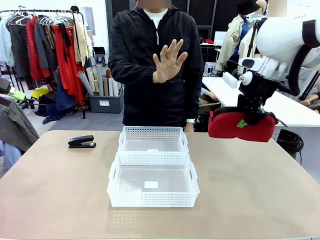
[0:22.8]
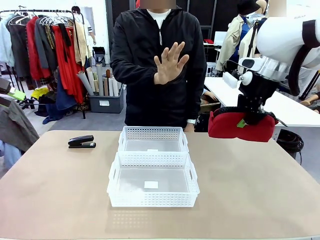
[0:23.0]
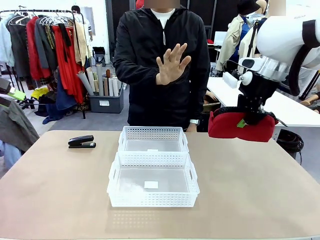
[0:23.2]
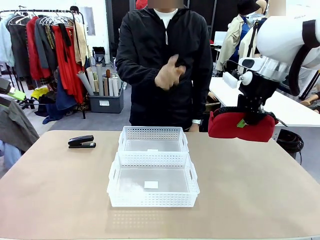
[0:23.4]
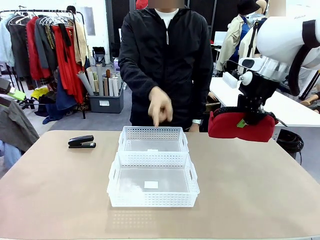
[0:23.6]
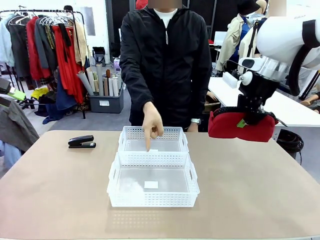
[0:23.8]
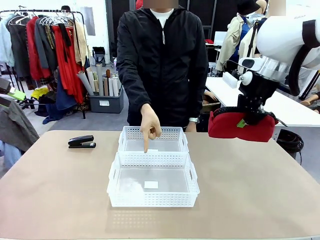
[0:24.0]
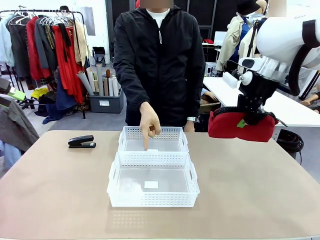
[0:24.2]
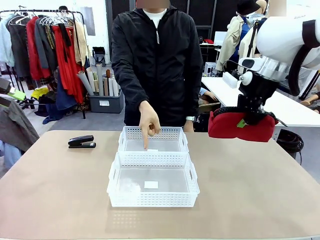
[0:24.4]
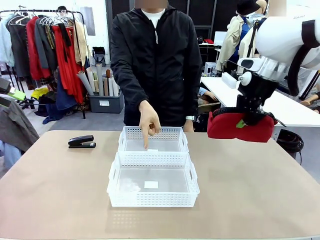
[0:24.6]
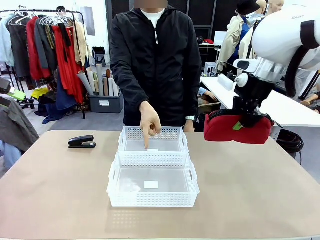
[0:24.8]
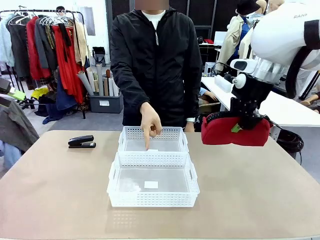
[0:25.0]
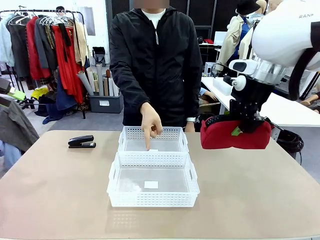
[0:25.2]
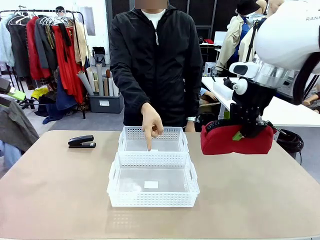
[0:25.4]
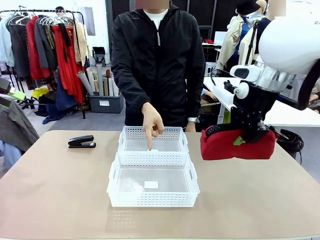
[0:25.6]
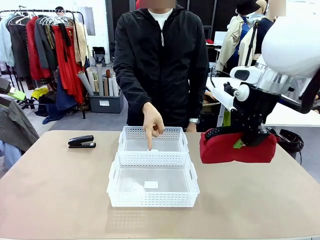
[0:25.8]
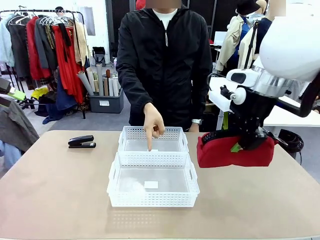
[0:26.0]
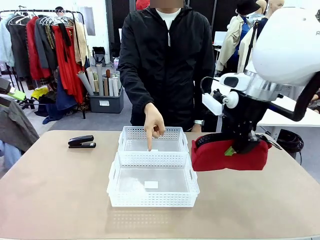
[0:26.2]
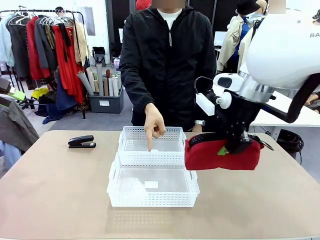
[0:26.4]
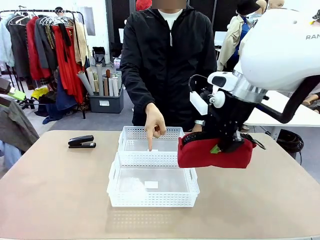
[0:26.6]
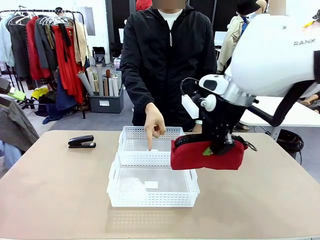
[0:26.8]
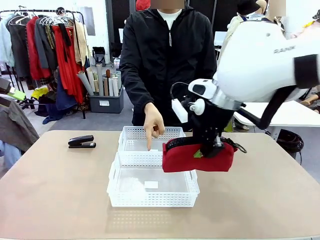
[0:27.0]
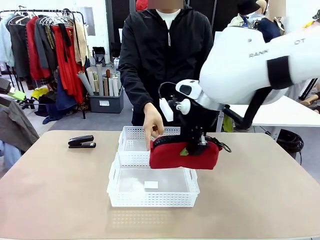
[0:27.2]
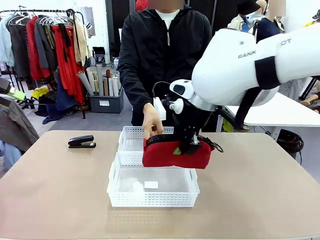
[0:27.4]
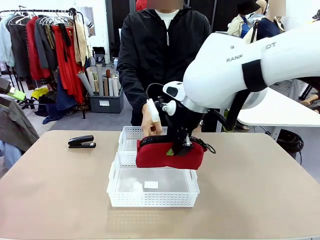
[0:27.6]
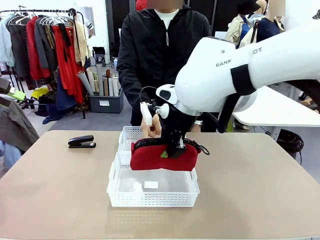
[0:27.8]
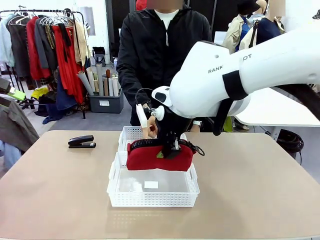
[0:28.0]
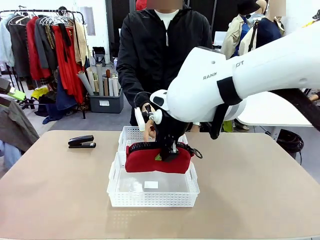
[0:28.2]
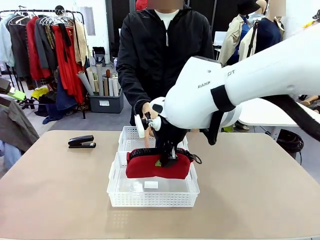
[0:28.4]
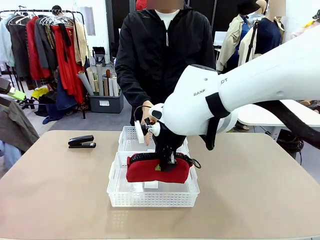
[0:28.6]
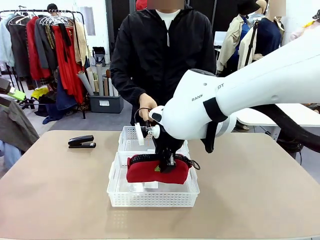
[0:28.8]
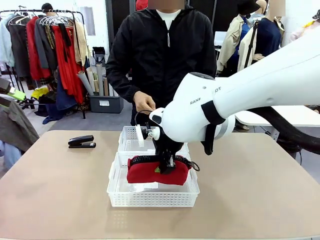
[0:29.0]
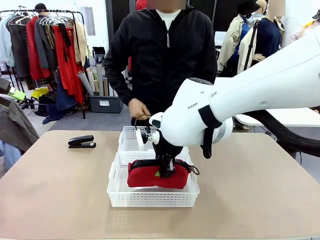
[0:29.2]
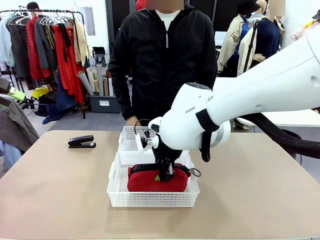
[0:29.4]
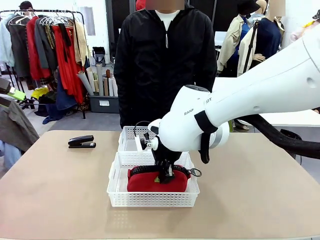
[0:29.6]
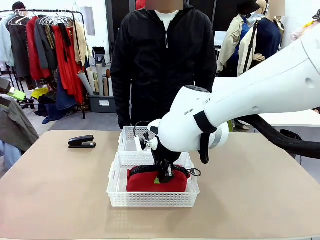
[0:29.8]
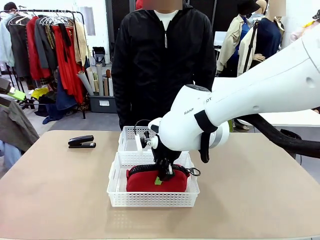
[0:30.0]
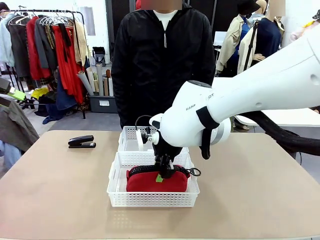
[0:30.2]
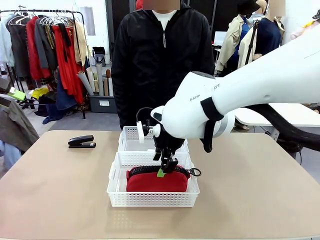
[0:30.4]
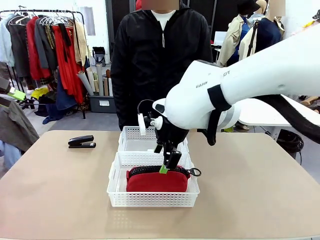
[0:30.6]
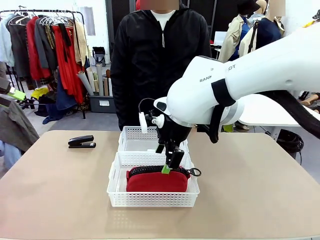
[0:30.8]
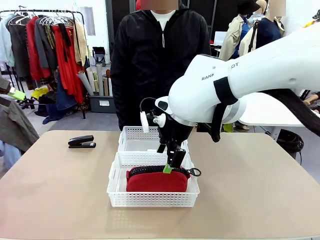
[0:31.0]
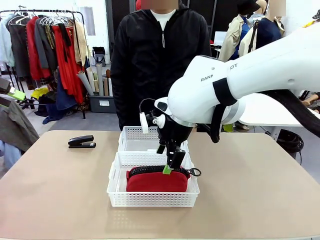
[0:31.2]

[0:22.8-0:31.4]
Task: Distribute items into two baskets.
Robot: Place the picked Pencil pouch into the Organizing basket as instructed by the person.
Person: Instructs the robot to place the pencil case into the opposite basket. Points to the stapler.

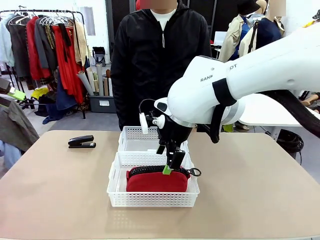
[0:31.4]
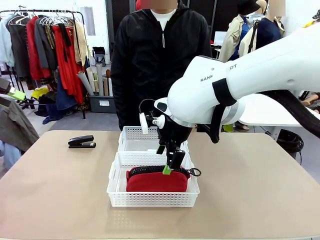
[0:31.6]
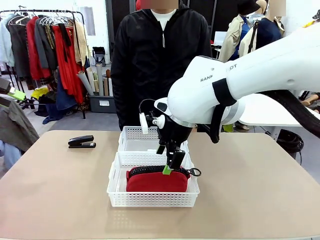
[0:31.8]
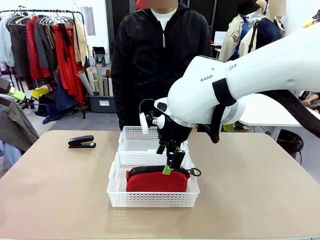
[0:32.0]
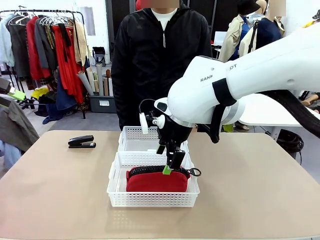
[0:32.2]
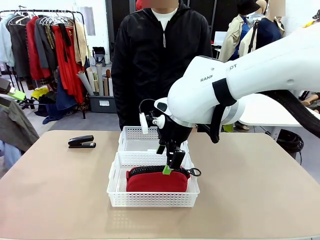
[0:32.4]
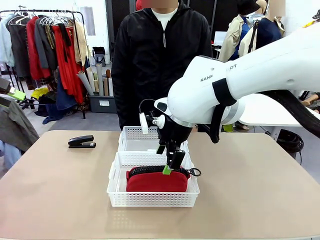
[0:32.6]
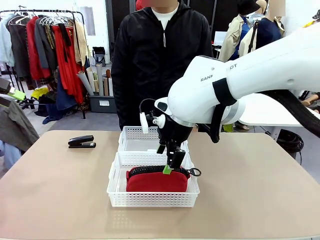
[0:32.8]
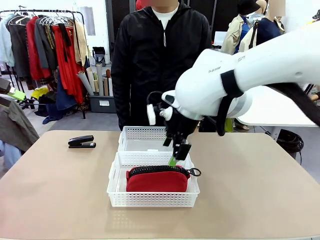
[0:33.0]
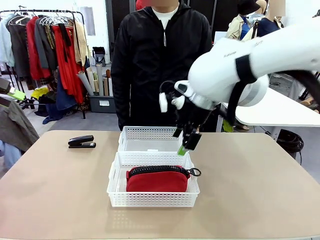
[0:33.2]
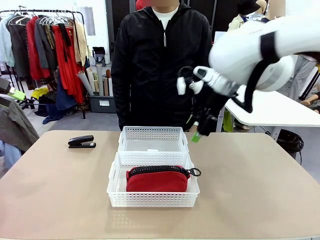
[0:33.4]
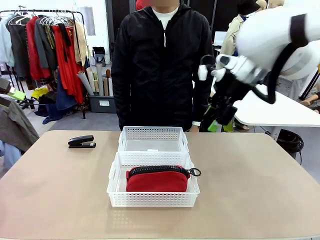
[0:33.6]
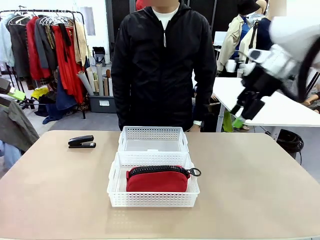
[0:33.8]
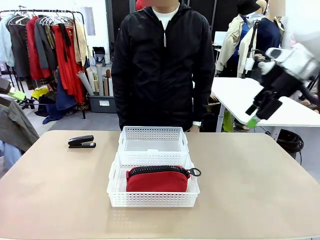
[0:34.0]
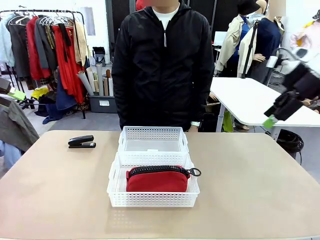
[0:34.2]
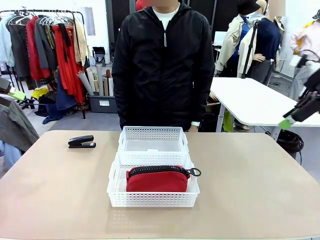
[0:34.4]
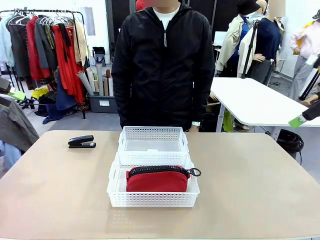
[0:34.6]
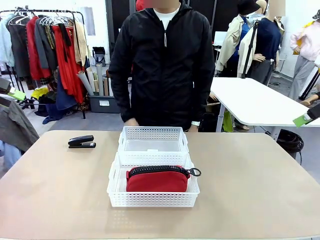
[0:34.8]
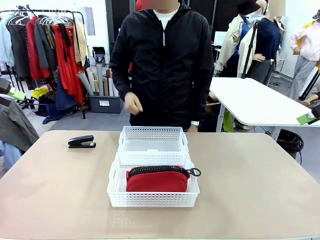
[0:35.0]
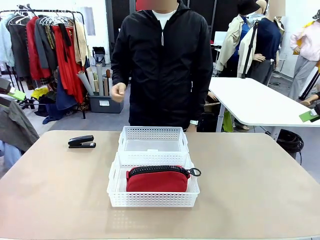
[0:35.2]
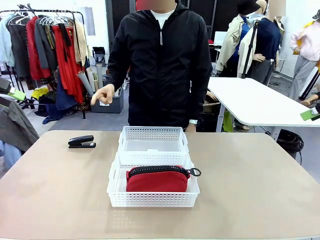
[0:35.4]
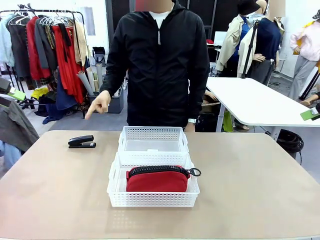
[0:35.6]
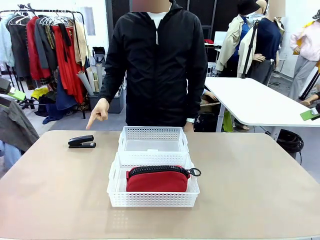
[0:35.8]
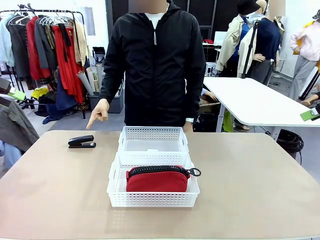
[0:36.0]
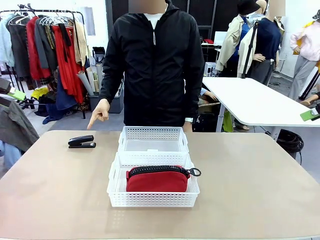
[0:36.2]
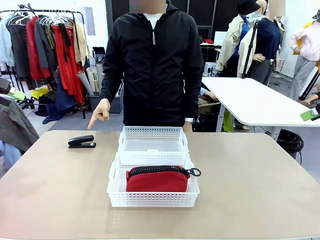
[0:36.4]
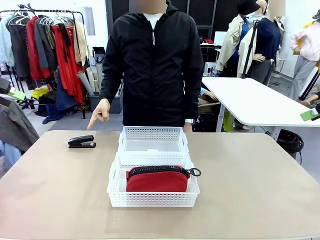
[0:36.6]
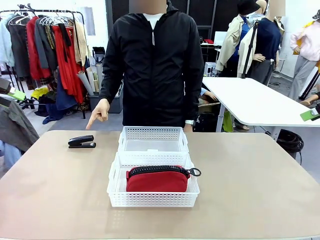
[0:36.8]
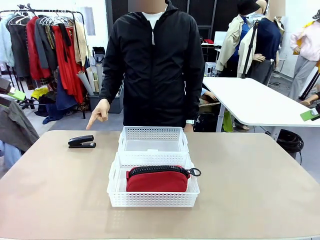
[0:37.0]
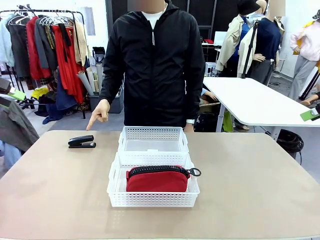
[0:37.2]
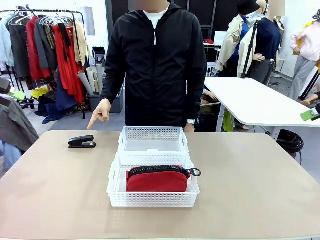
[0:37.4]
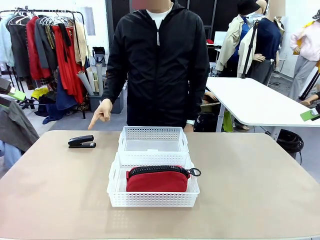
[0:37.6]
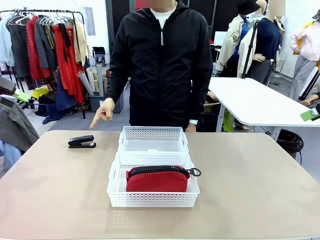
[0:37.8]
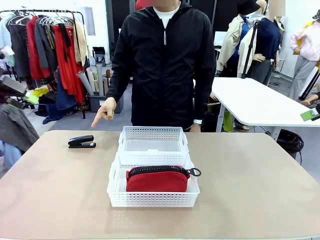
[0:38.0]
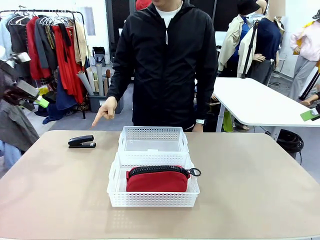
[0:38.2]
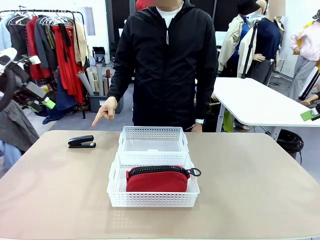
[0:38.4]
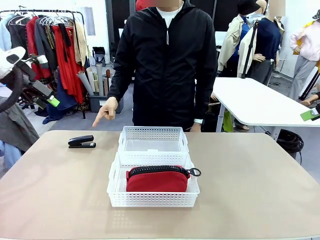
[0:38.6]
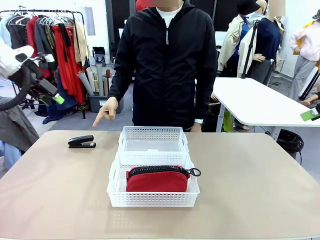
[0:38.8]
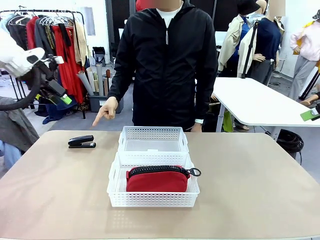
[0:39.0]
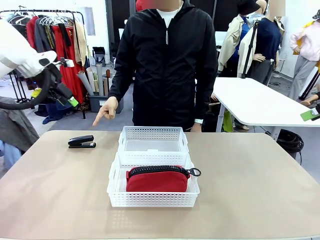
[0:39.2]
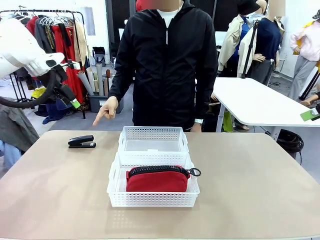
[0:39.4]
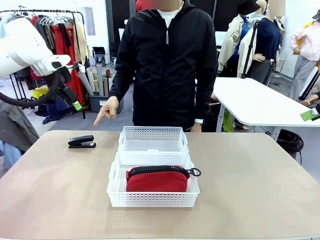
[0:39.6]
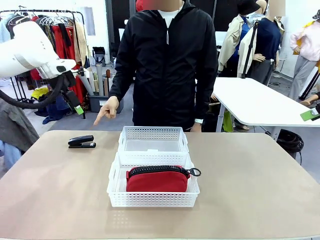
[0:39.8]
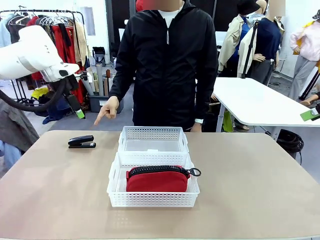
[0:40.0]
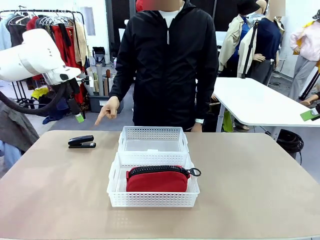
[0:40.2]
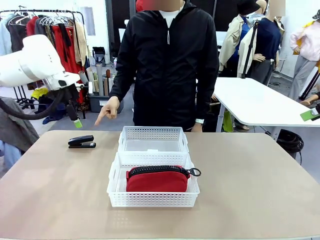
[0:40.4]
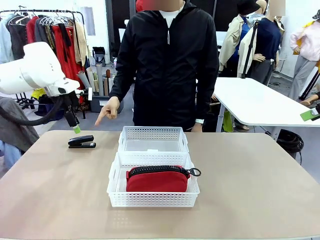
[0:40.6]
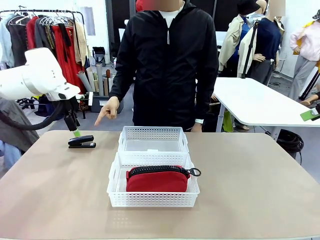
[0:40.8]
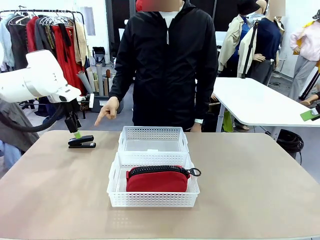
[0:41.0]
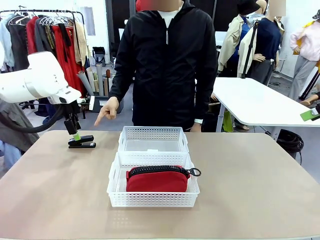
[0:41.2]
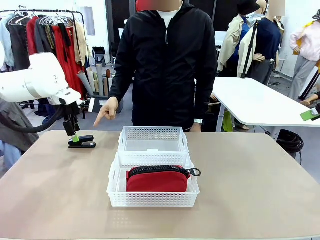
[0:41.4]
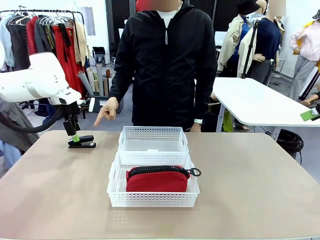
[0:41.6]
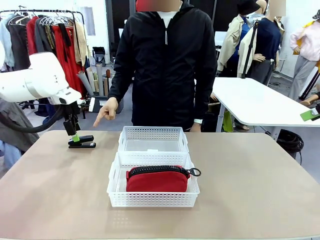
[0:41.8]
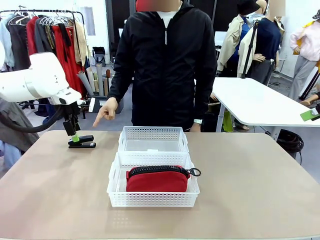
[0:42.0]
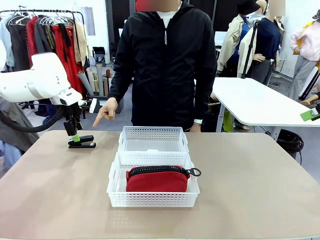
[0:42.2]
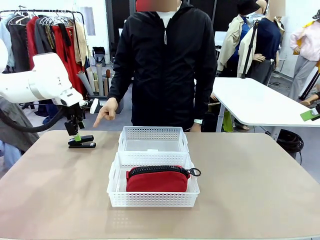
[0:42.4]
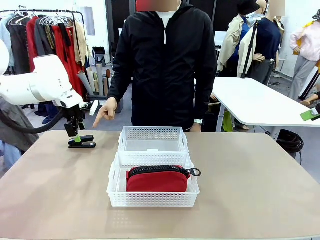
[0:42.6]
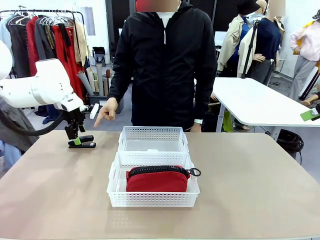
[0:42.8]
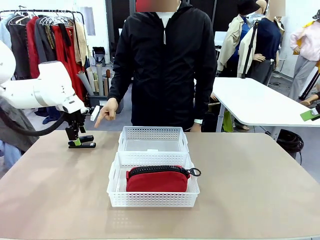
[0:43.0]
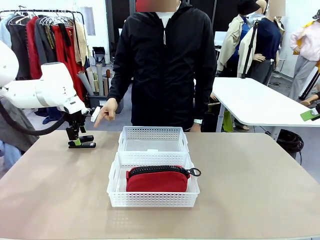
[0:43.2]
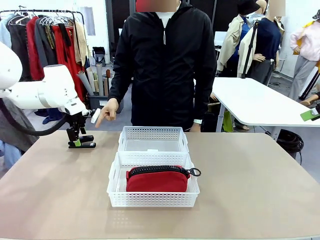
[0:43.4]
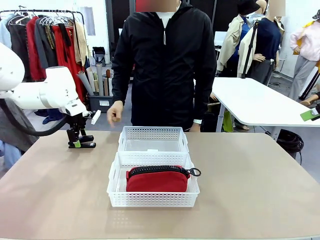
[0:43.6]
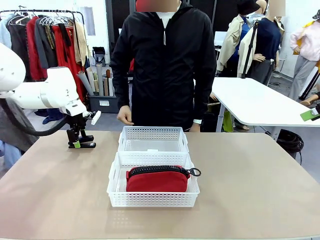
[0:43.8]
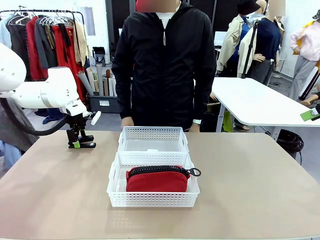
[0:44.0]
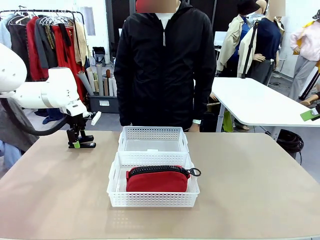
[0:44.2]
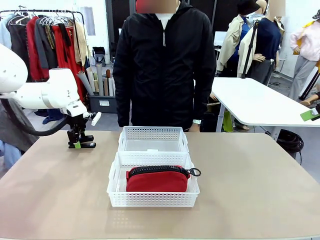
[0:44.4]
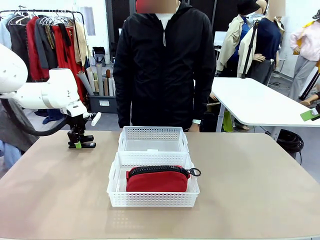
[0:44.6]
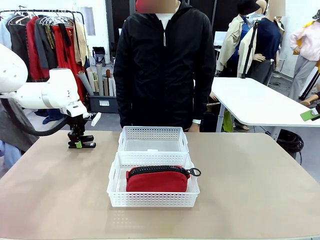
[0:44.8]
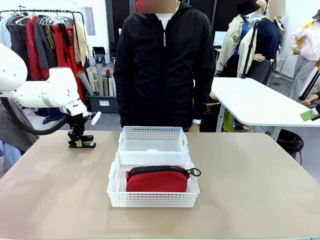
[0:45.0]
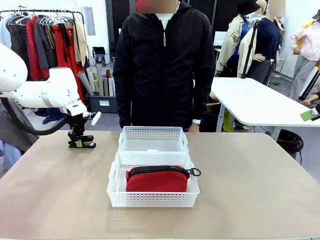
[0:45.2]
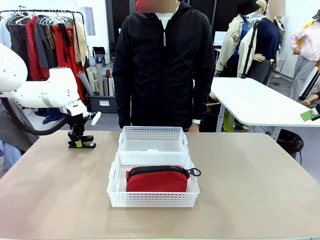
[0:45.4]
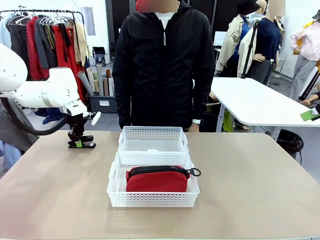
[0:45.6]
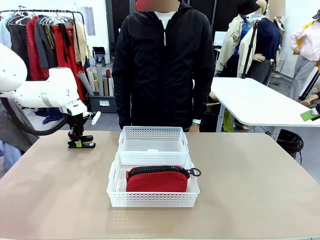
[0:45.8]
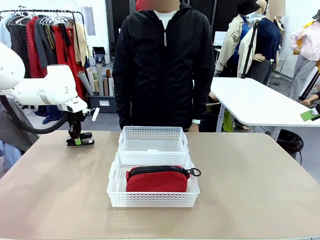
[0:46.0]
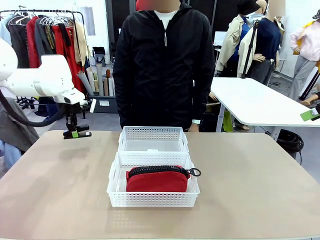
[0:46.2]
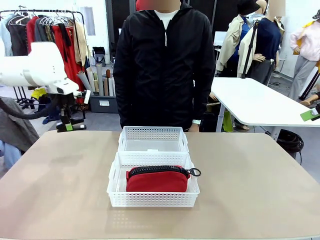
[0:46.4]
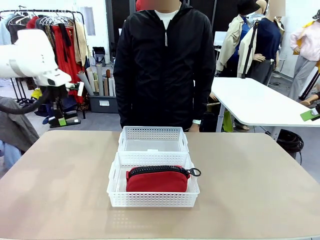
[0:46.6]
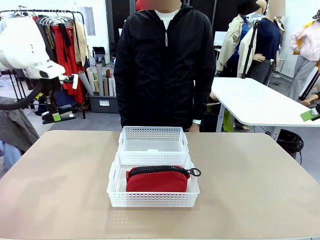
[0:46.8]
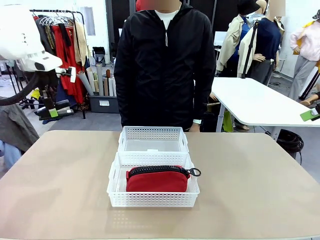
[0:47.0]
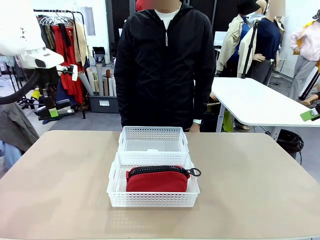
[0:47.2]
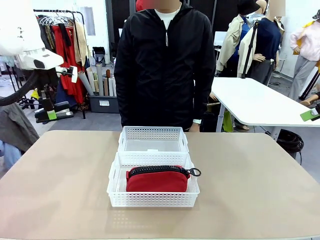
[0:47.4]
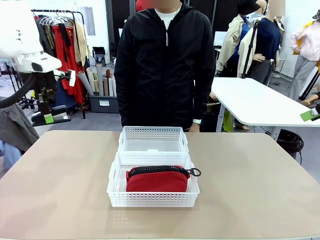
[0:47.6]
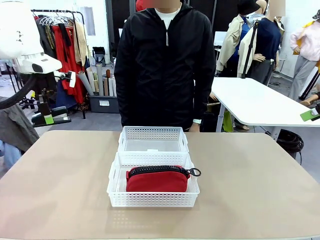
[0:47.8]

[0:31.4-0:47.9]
Robot: Pick up the Stapler that the person points to.
